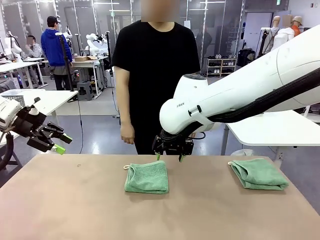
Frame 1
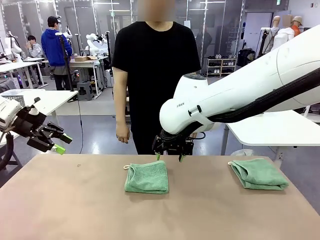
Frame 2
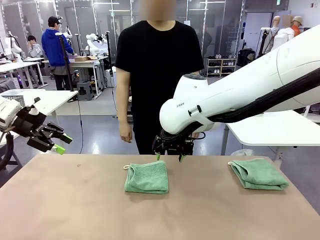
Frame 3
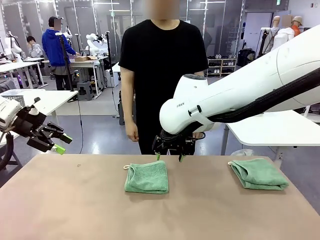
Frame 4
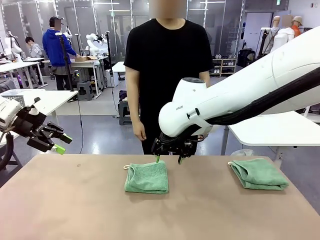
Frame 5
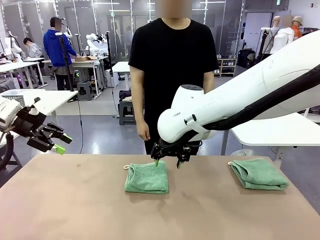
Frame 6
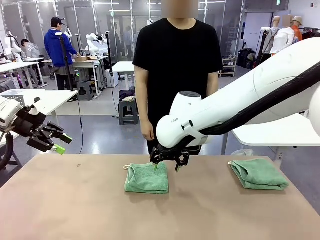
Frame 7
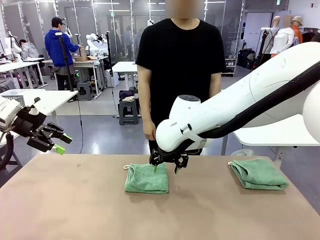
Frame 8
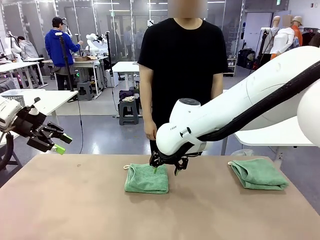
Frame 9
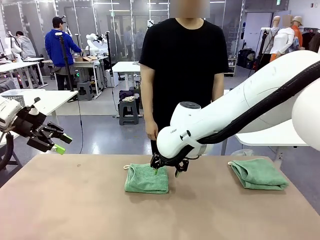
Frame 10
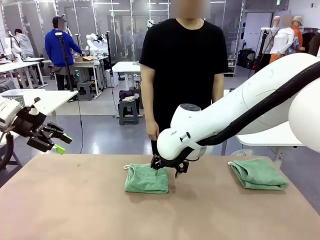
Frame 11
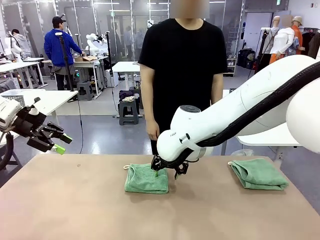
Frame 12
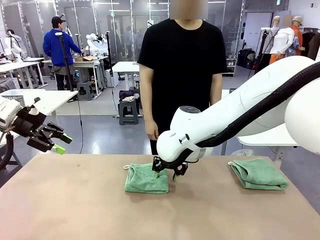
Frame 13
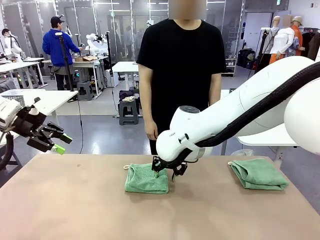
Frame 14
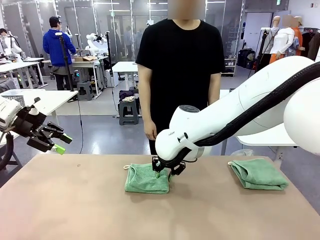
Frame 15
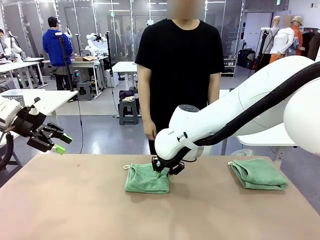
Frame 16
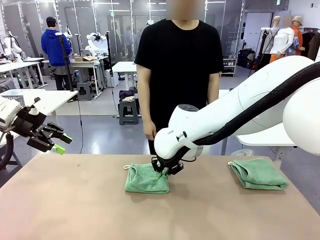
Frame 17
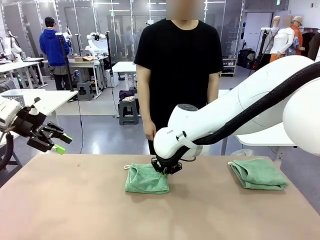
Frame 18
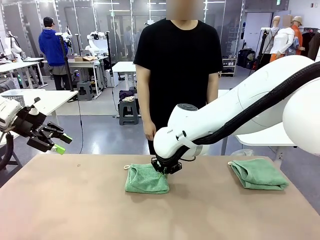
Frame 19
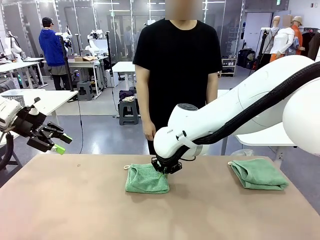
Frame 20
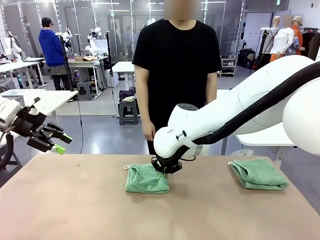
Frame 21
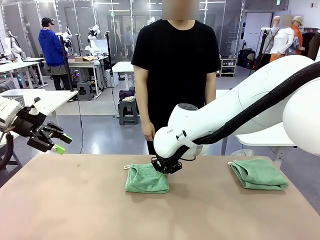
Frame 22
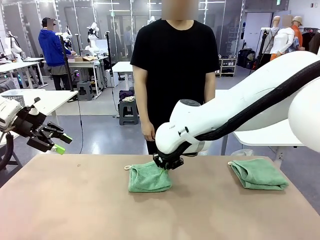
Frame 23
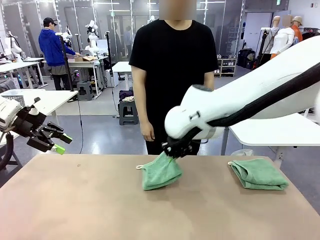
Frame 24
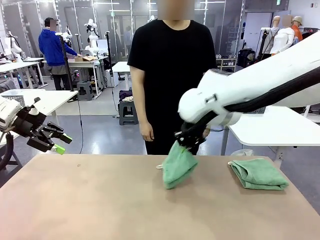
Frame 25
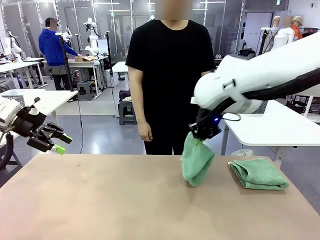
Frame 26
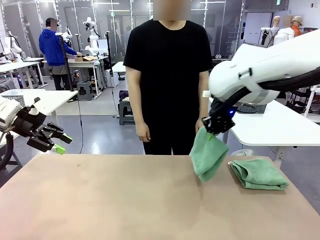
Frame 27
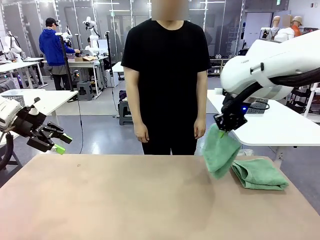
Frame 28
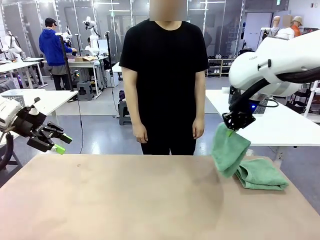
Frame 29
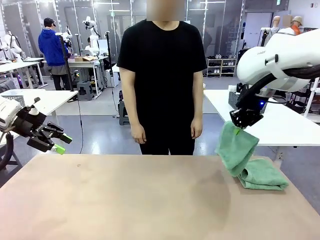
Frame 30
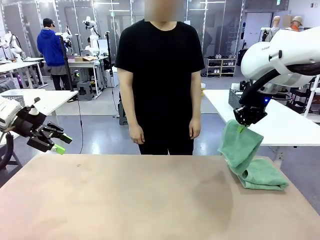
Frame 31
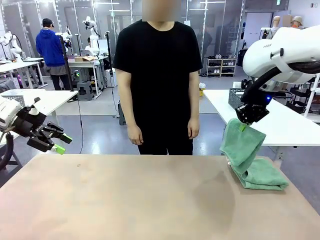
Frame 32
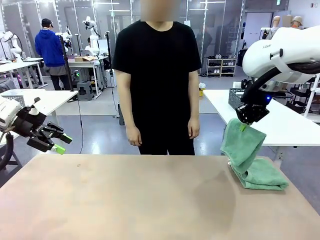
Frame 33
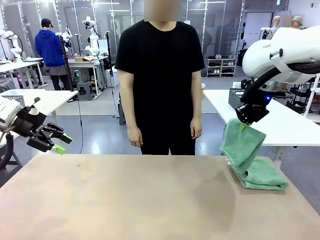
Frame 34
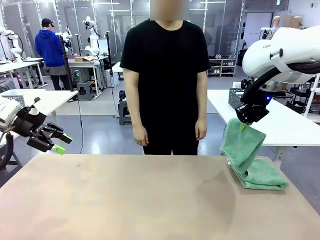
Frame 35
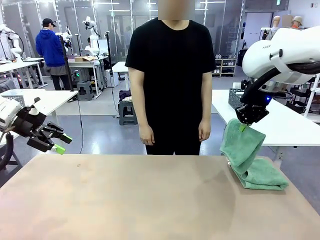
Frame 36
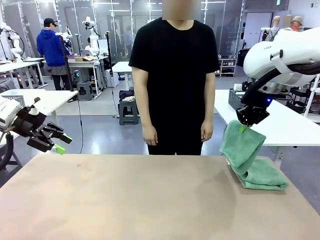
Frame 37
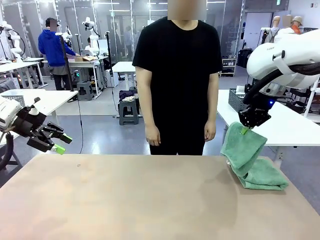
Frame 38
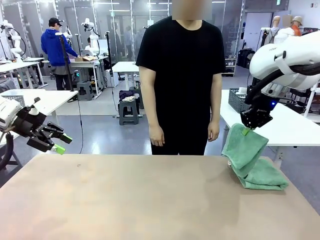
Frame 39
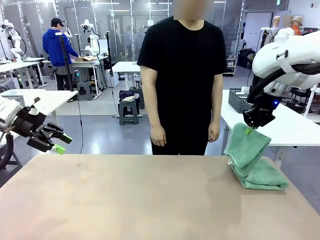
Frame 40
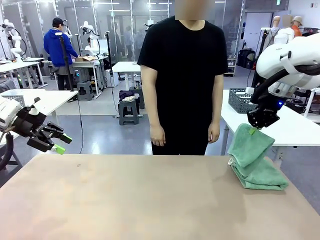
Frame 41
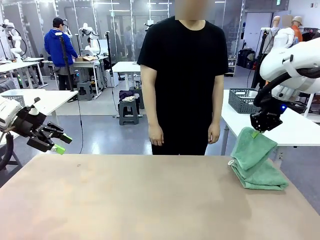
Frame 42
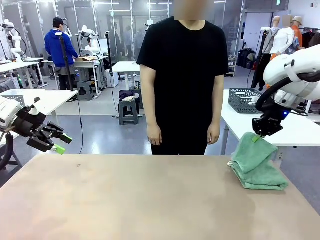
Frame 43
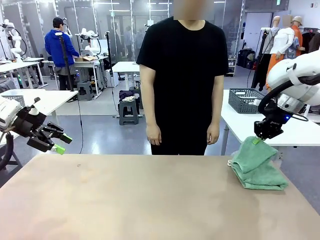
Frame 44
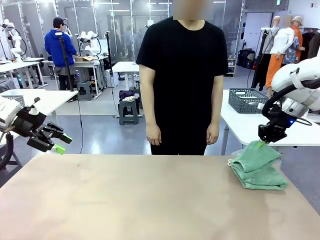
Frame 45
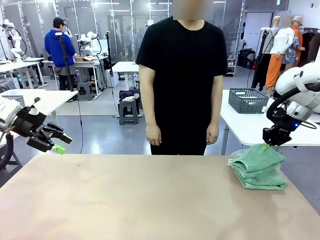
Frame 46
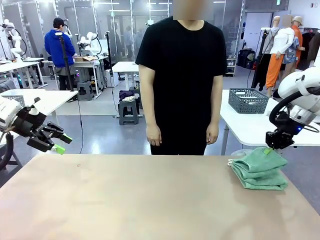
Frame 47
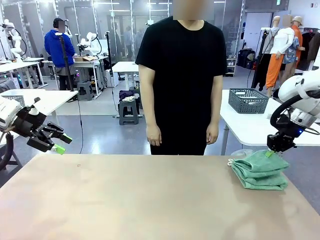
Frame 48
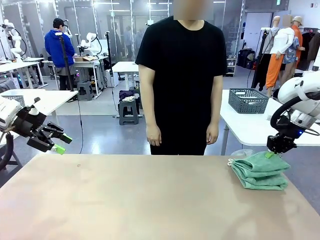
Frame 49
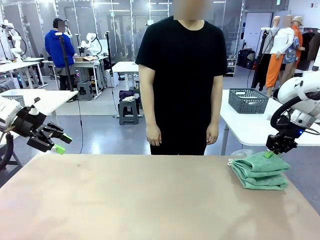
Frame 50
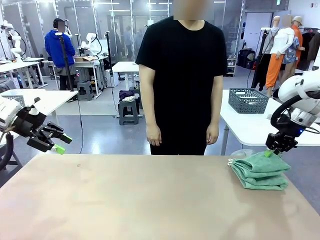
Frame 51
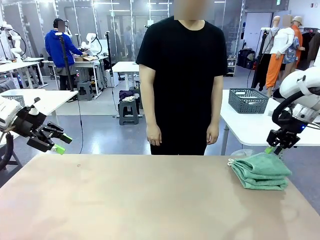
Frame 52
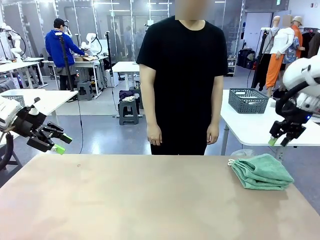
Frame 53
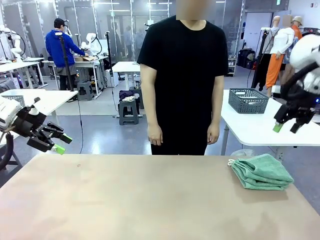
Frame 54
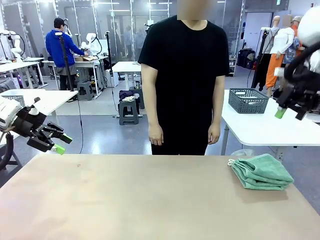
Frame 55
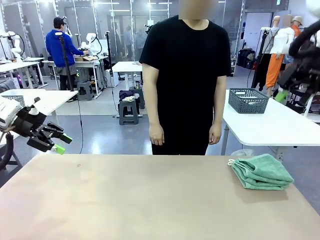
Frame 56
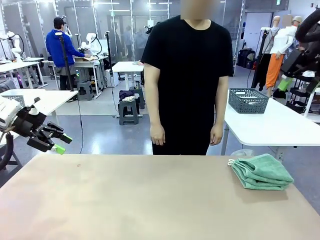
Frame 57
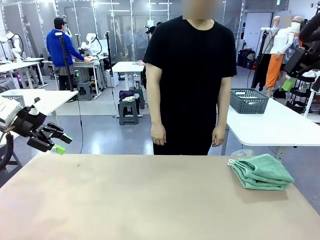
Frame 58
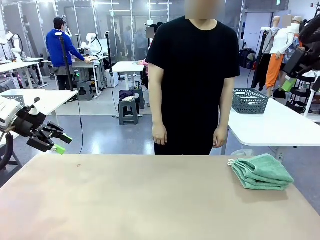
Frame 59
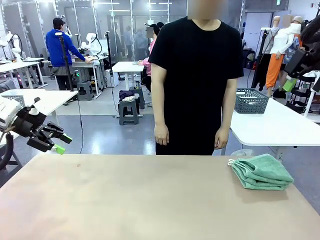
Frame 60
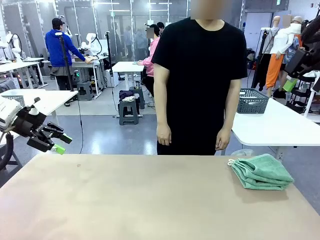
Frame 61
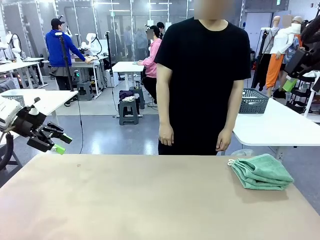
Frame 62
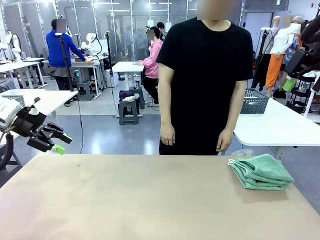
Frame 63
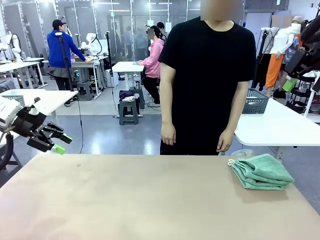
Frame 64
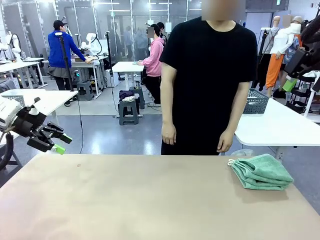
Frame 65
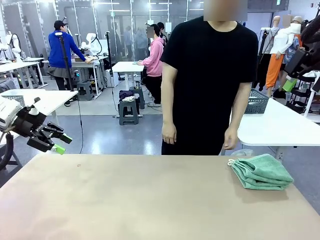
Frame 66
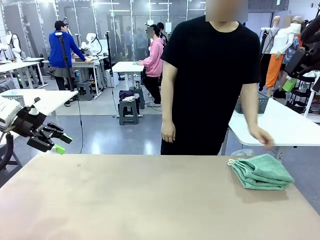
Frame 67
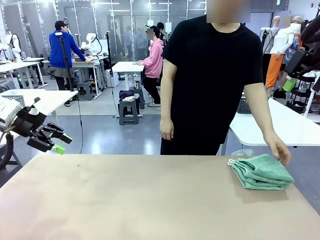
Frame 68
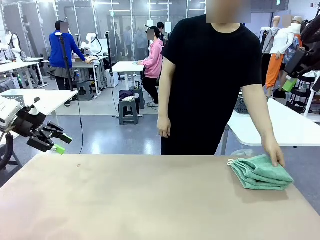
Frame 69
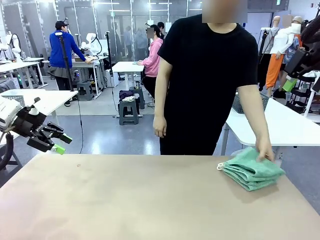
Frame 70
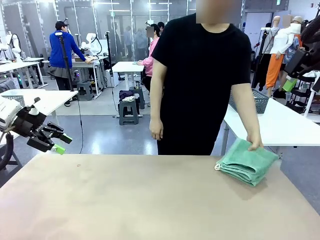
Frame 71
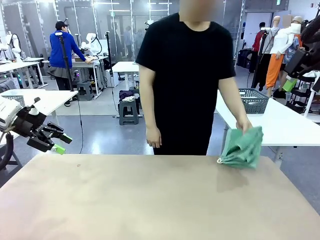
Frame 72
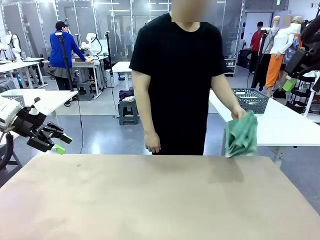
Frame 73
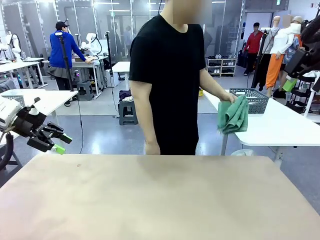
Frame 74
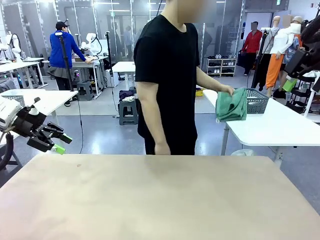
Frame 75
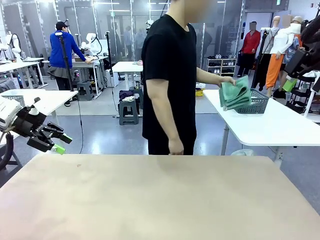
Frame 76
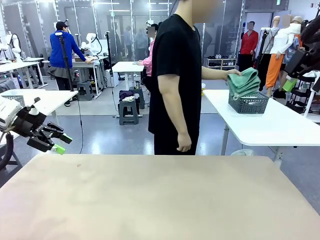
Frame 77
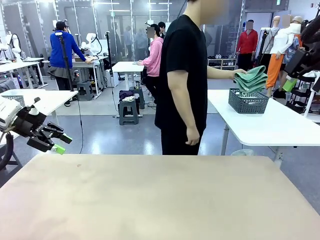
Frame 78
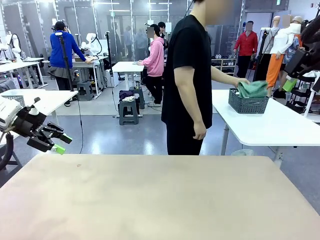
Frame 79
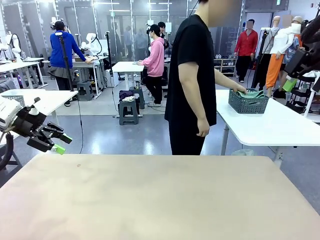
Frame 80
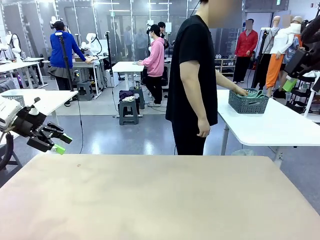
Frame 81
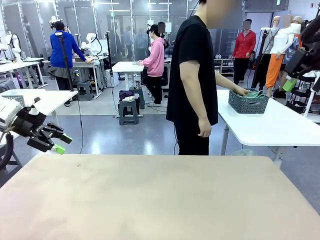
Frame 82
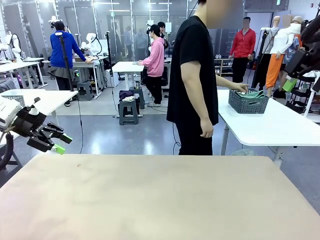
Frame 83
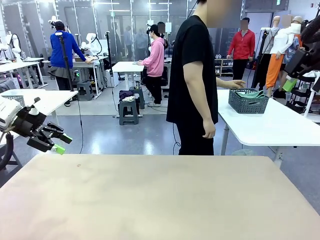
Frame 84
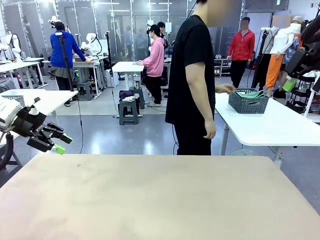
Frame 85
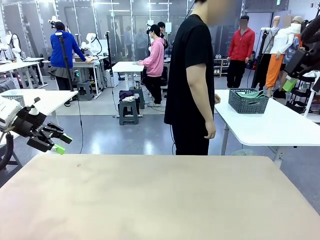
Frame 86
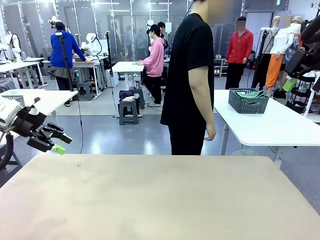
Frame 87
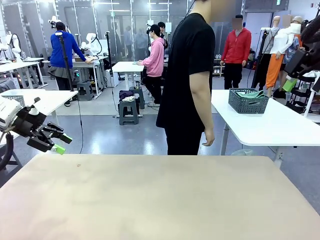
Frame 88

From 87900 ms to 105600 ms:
Task: Fold the towels and place them in the basket.
Robot: Stack the folded Towel with hook on the right side of the table.
Person: Pick up the stack of towels from the robot table and place it into the basket.
